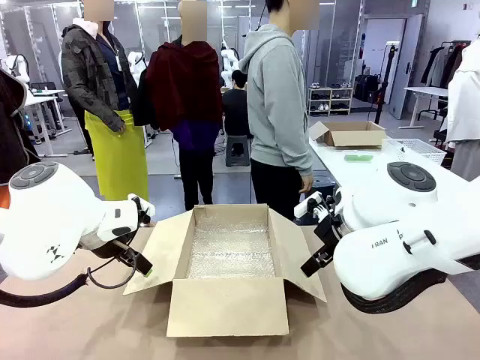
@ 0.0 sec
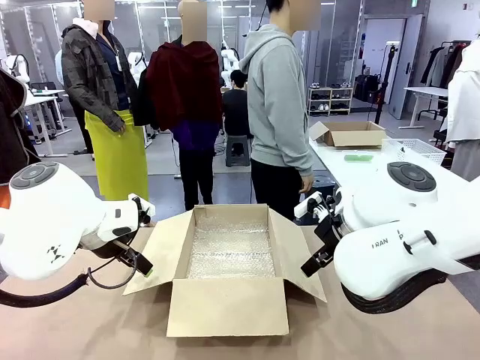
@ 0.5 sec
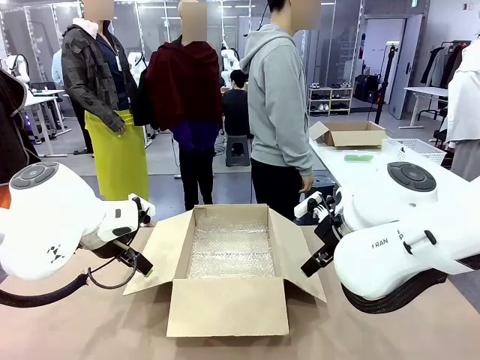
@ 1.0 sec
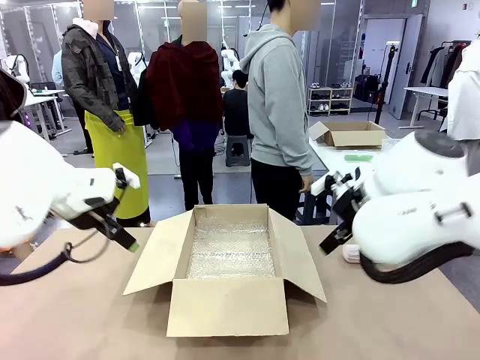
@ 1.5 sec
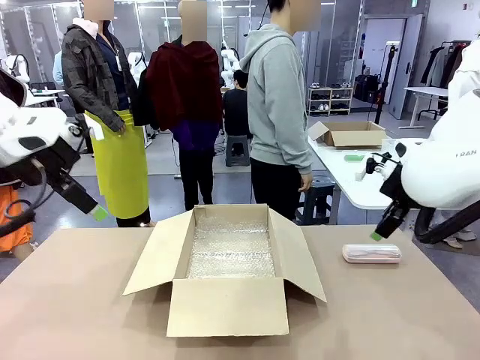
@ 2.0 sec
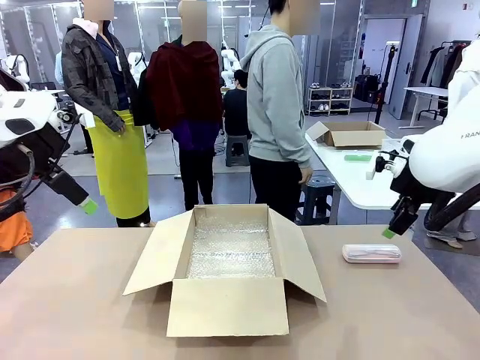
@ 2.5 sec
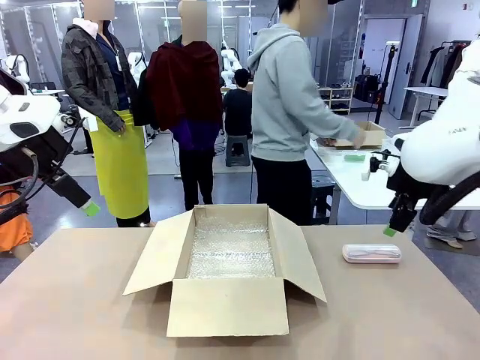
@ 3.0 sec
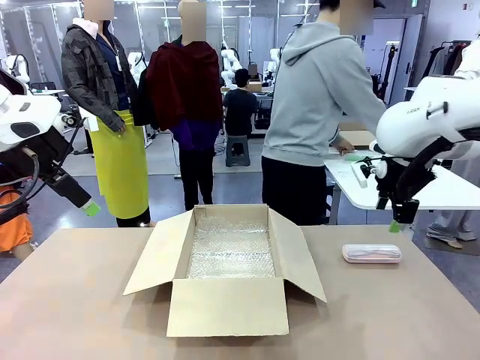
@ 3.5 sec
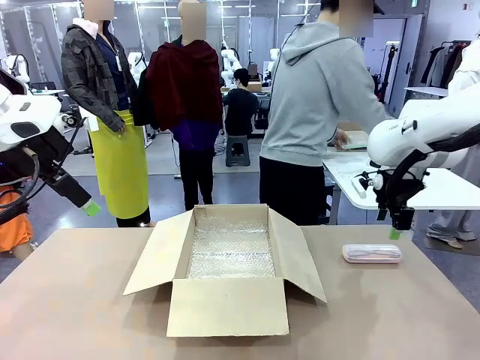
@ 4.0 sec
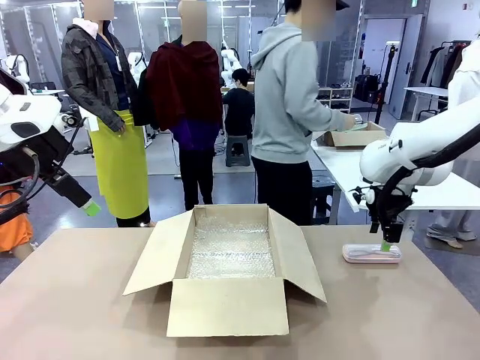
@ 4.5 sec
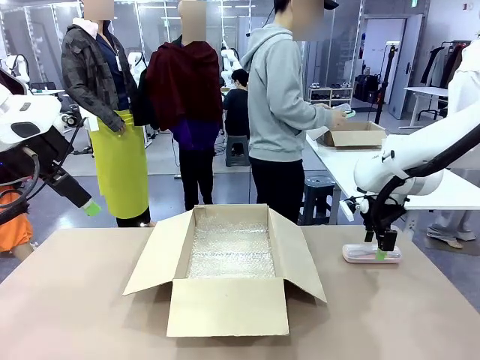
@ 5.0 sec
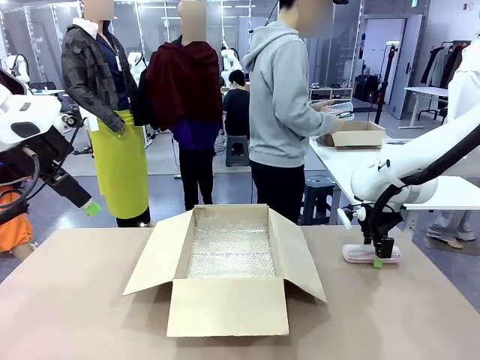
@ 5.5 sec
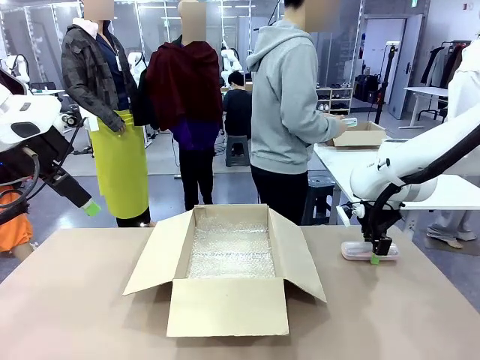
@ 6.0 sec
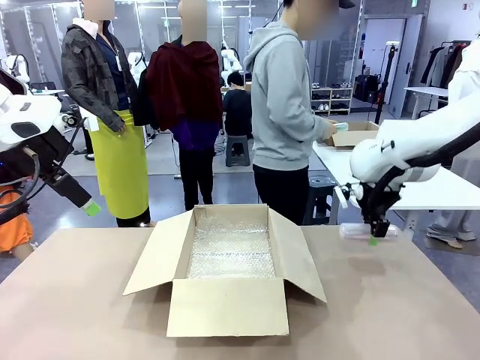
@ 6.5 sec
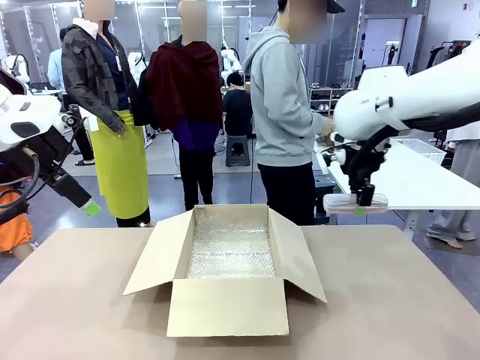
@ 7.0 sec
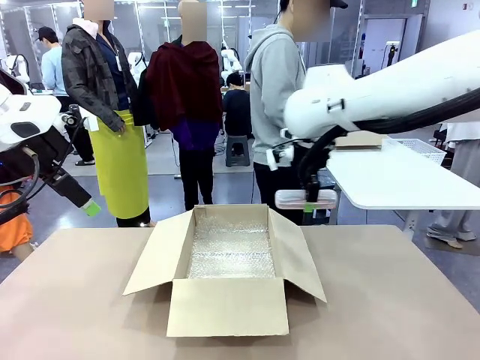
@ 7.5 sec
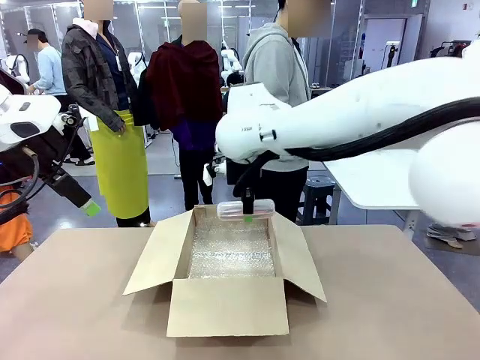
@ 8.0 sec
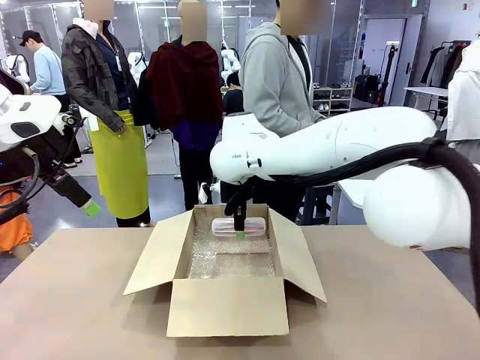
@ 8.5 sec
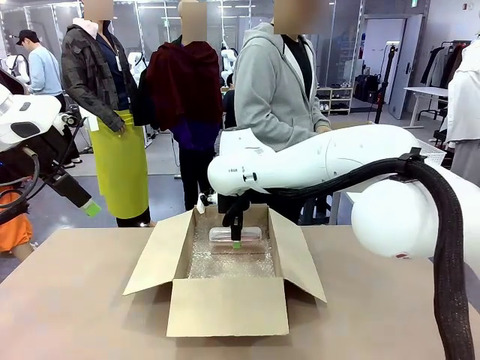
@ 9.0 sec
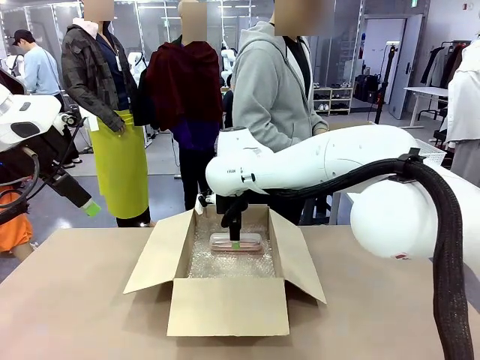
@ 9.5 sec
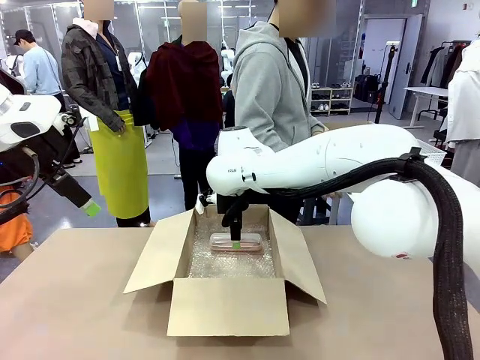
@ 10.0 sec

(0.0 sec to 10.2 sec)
Task: Pack the glasses set securely to prepare it for shipping.
Robot: Place the Glasses case inside the Package Box.
Person: Place the Glasses inside the Glasses case. Position the Glasses case on the left side of the robot's table.

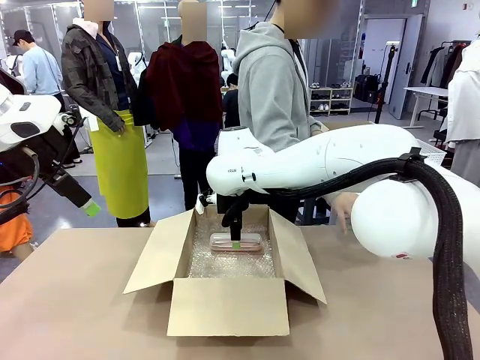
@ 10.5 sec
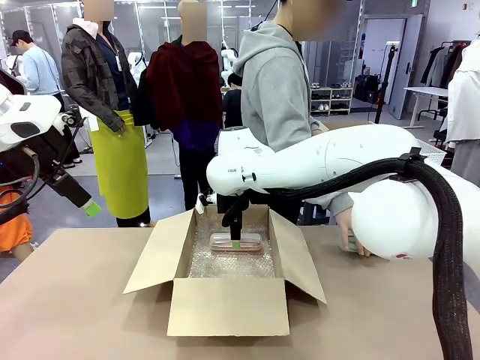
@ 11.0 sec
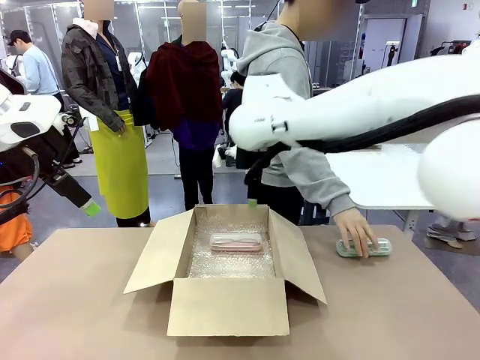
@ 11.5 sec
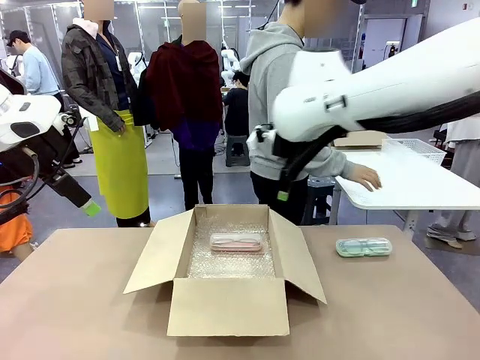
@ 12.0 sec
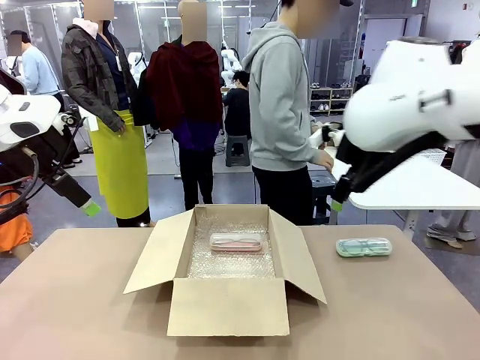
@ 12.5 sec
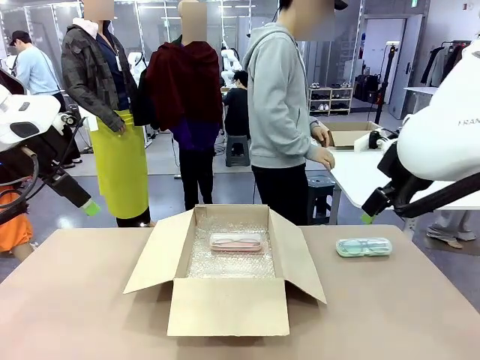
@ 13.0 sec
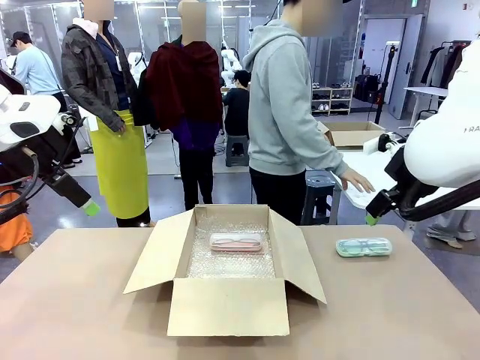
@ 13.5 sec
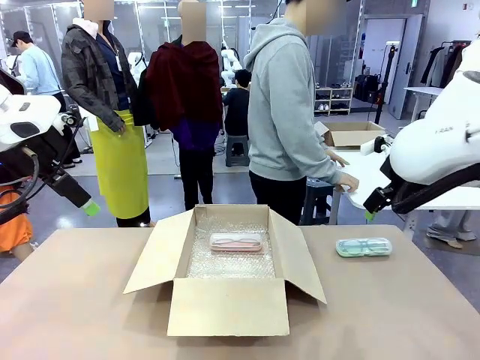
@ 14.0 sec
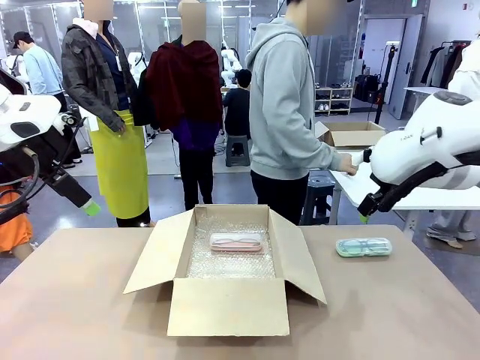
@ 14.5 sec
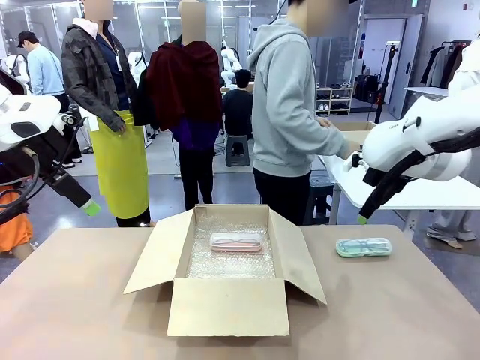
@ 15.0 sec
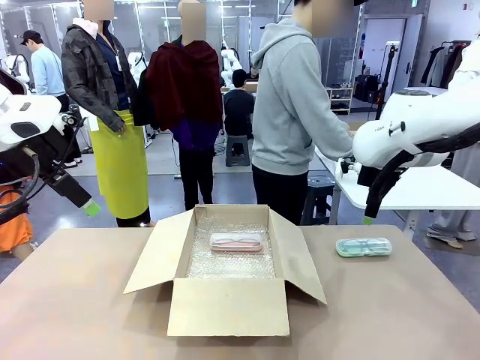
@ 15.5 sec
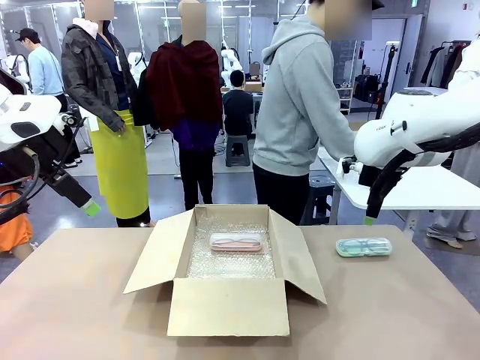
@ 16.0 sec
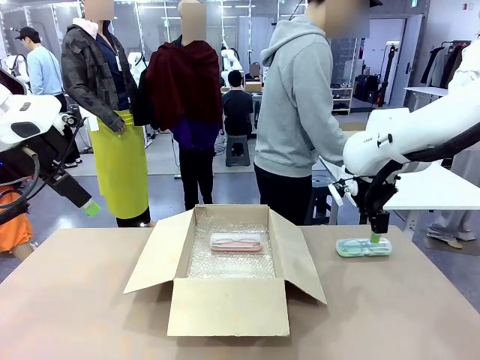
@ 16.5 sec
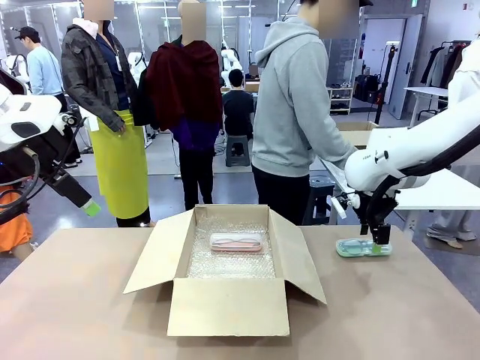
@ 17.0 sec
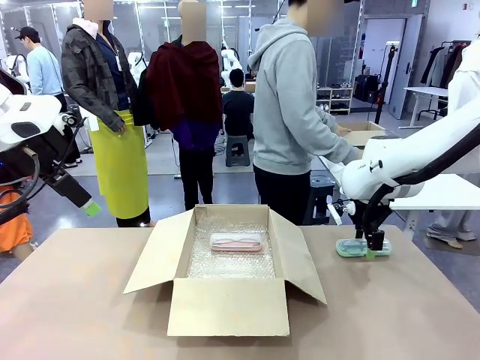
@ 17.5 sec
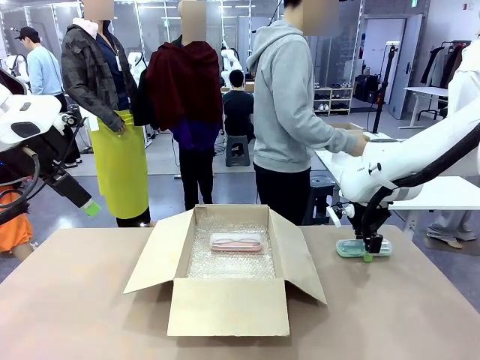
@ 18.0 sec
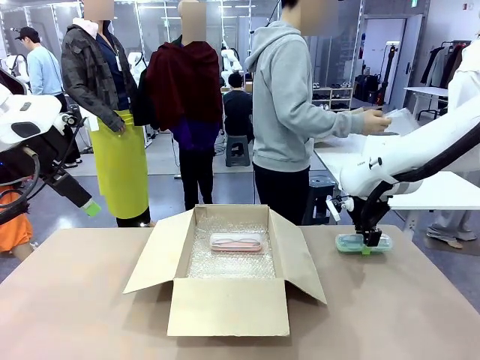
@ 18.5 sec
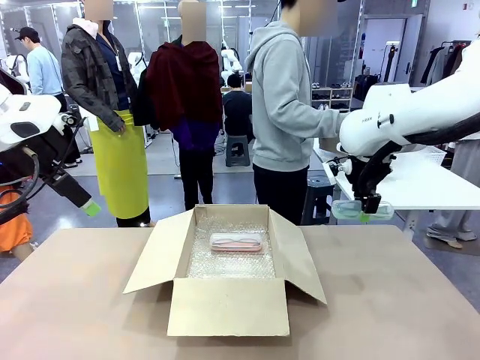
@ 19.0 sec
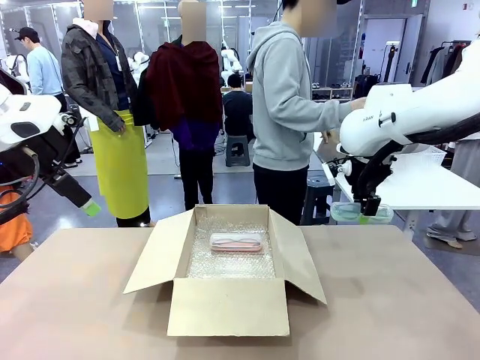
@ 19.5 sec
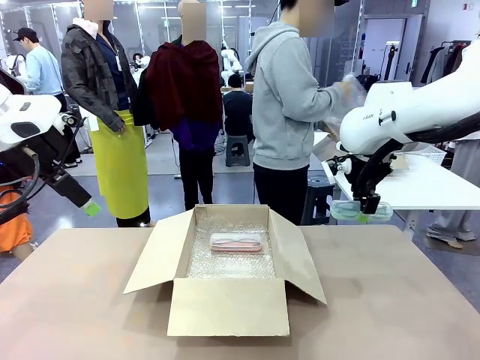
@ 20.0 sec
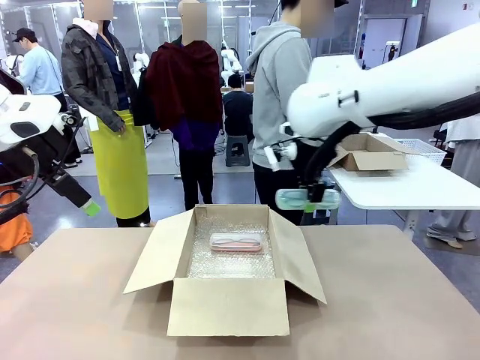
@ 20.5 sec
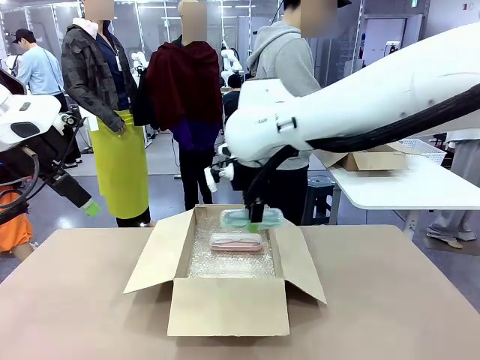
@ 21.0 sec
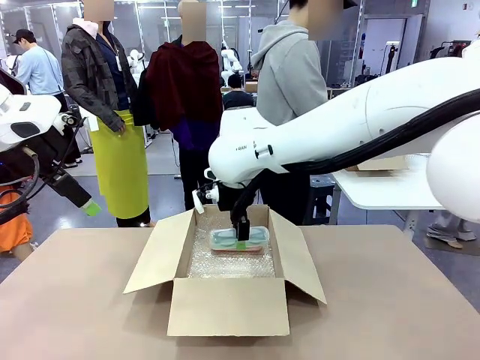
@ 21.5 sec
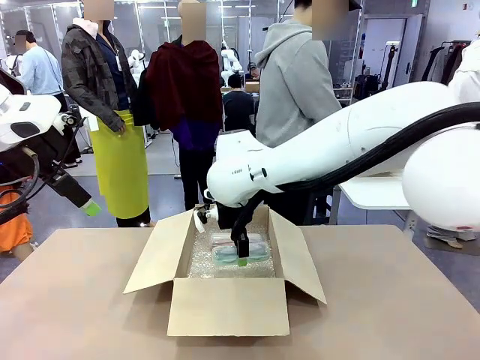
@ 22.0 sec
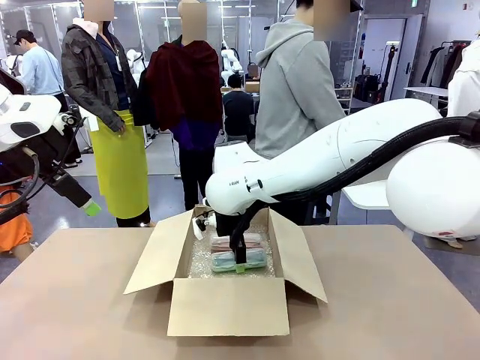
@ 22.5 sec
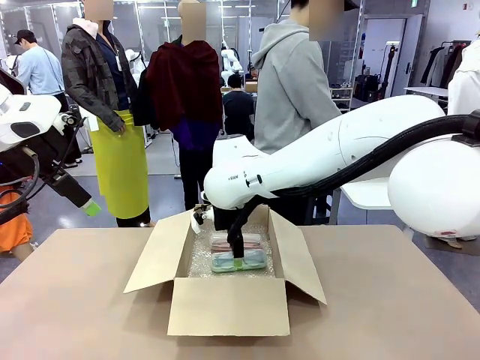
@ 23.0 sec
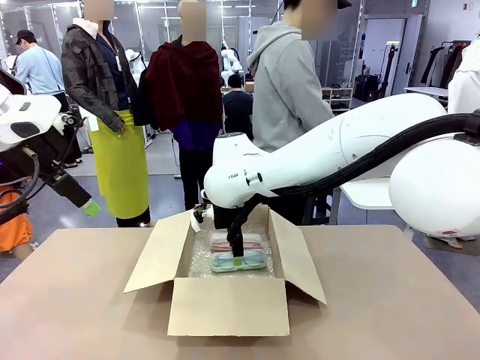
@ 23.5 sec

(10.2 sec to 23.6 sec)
Robot: Put the Glasses case from the right side of the table into the Package Box.
